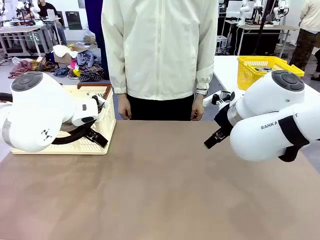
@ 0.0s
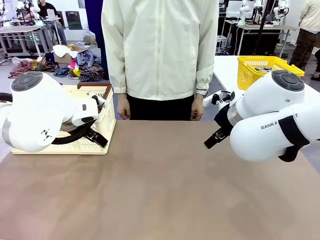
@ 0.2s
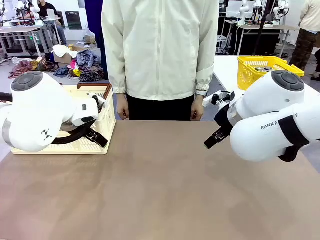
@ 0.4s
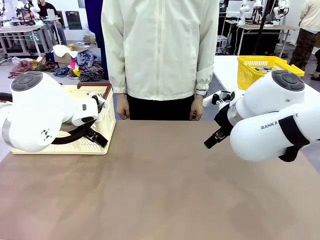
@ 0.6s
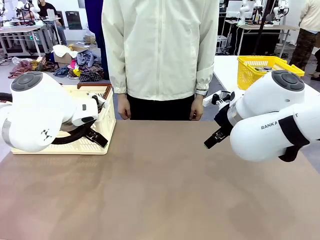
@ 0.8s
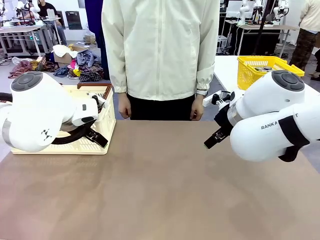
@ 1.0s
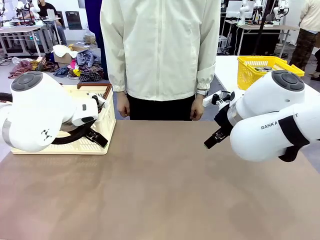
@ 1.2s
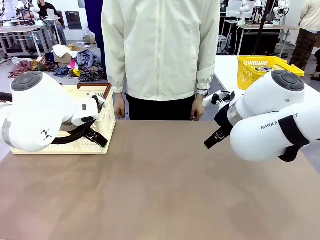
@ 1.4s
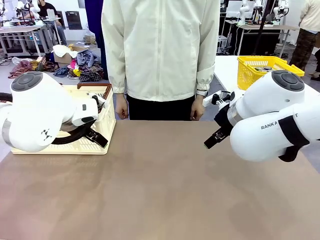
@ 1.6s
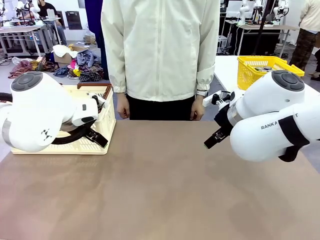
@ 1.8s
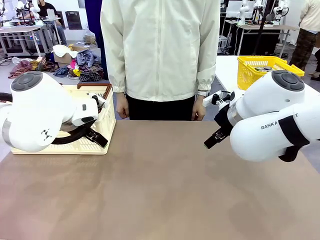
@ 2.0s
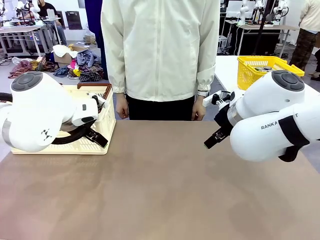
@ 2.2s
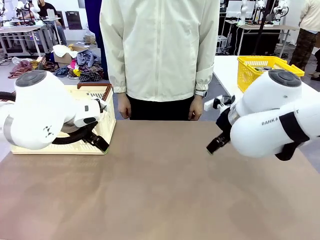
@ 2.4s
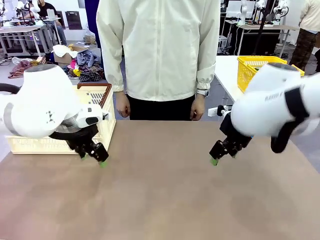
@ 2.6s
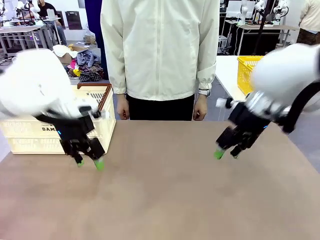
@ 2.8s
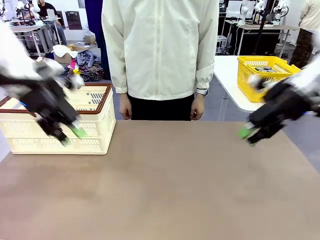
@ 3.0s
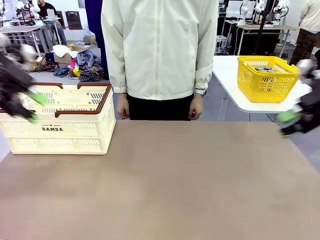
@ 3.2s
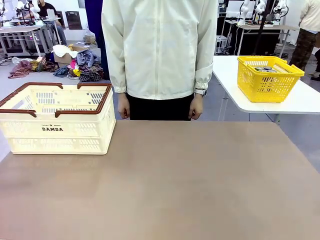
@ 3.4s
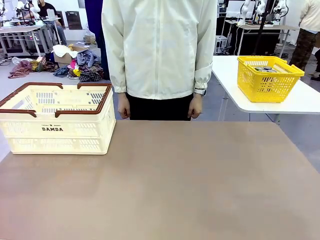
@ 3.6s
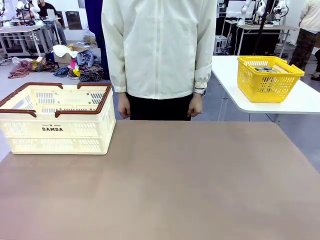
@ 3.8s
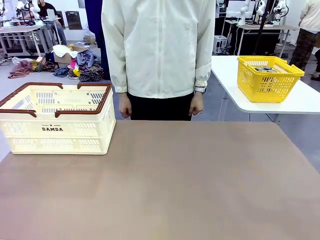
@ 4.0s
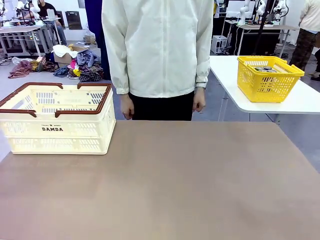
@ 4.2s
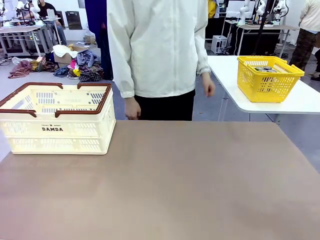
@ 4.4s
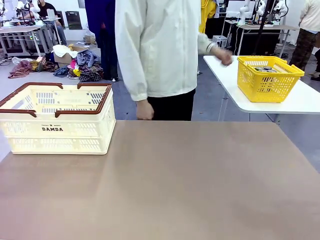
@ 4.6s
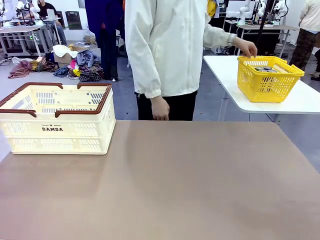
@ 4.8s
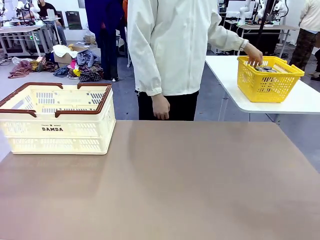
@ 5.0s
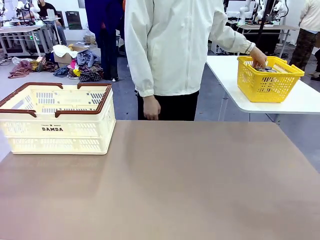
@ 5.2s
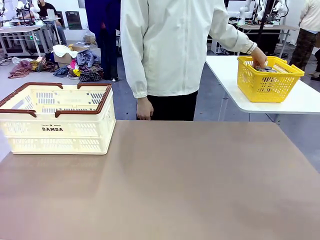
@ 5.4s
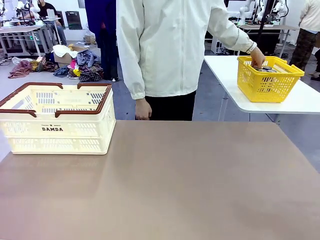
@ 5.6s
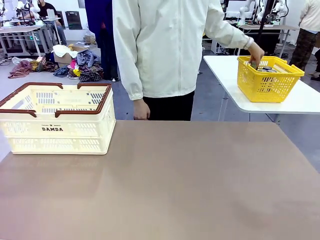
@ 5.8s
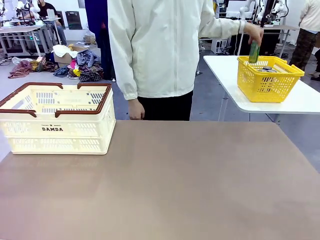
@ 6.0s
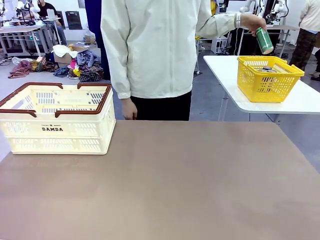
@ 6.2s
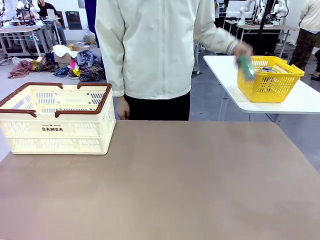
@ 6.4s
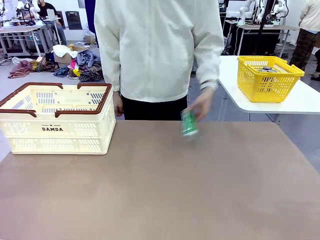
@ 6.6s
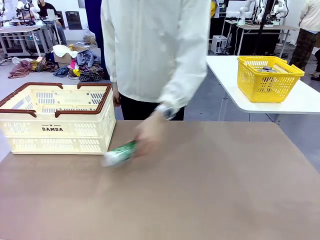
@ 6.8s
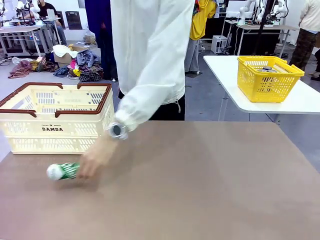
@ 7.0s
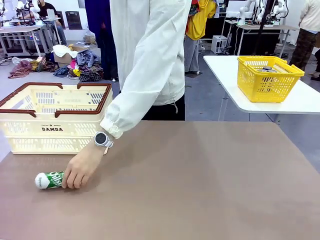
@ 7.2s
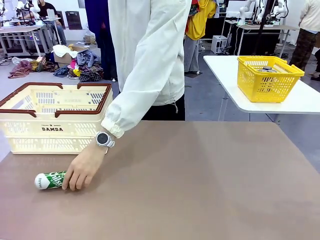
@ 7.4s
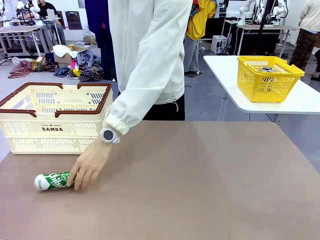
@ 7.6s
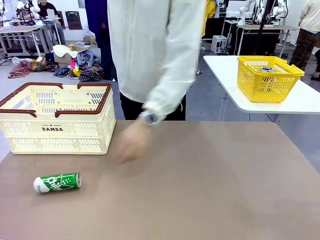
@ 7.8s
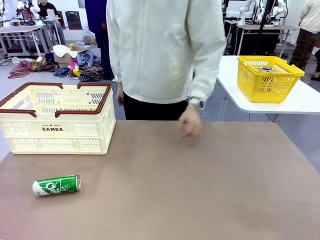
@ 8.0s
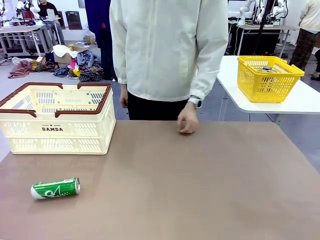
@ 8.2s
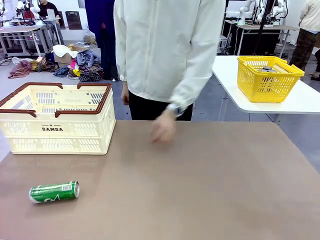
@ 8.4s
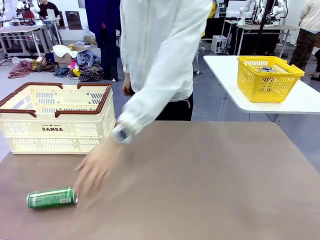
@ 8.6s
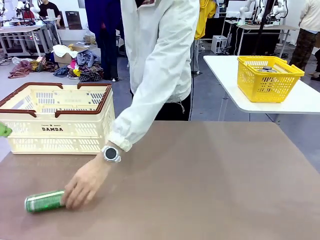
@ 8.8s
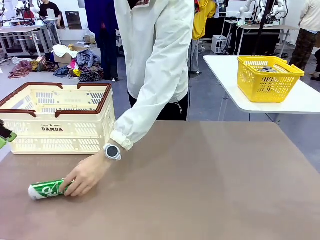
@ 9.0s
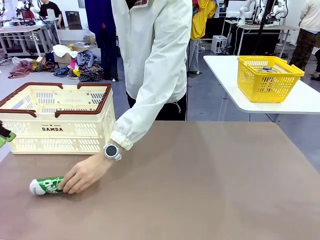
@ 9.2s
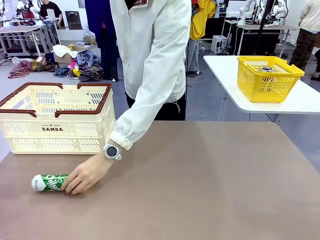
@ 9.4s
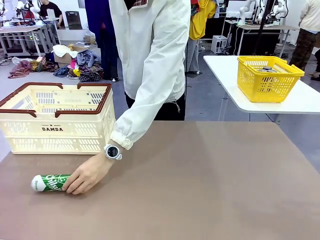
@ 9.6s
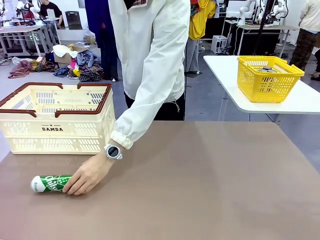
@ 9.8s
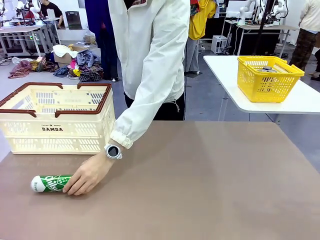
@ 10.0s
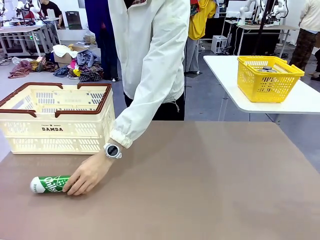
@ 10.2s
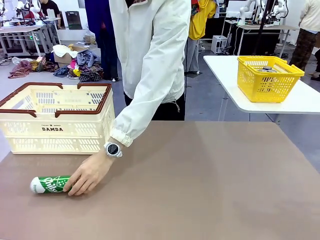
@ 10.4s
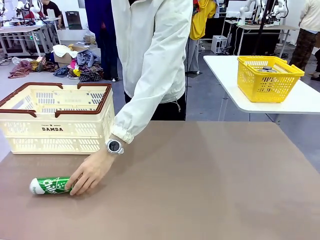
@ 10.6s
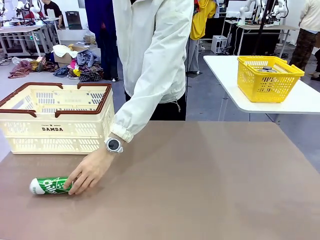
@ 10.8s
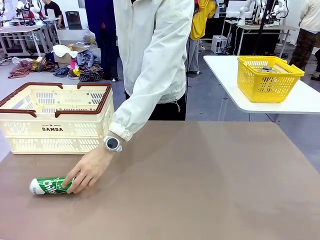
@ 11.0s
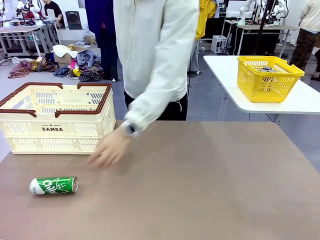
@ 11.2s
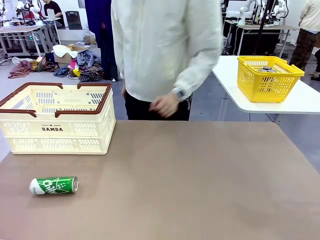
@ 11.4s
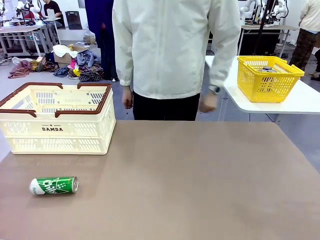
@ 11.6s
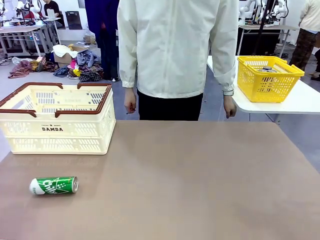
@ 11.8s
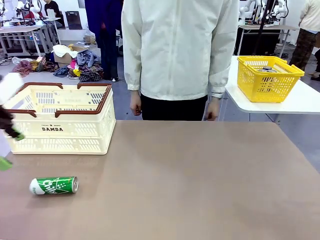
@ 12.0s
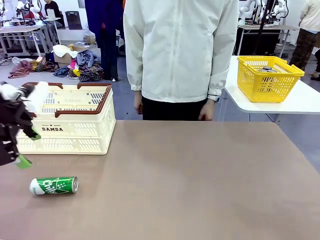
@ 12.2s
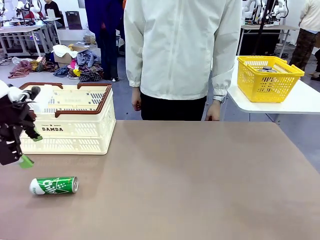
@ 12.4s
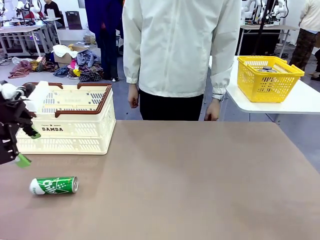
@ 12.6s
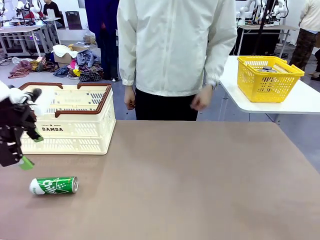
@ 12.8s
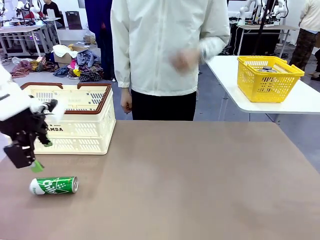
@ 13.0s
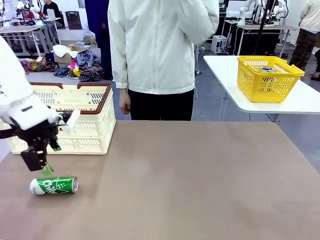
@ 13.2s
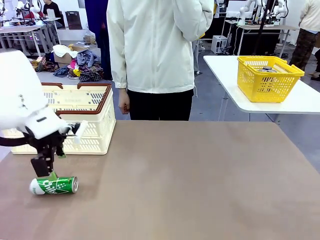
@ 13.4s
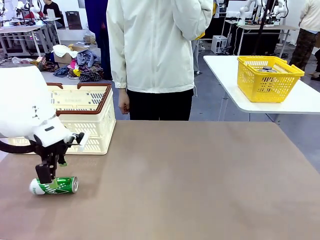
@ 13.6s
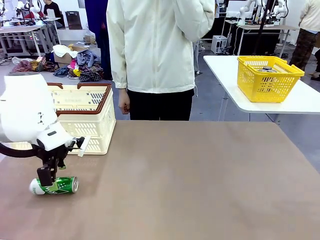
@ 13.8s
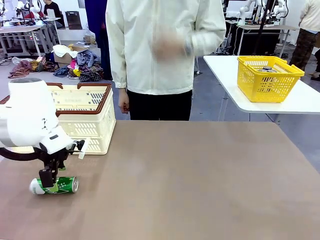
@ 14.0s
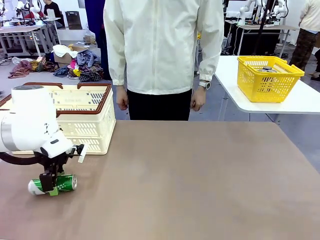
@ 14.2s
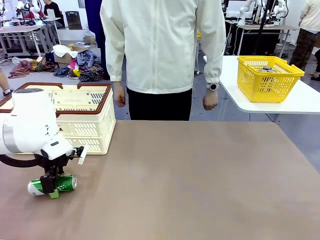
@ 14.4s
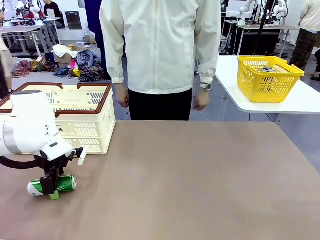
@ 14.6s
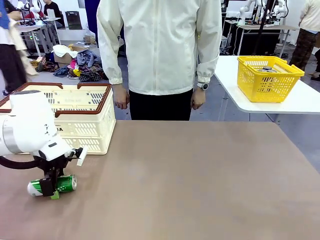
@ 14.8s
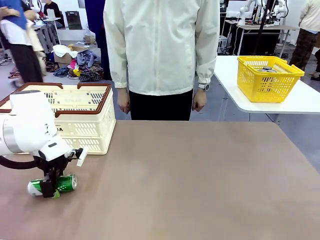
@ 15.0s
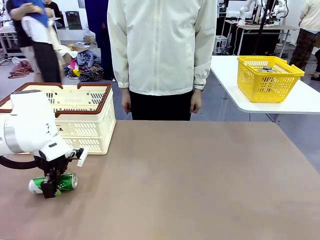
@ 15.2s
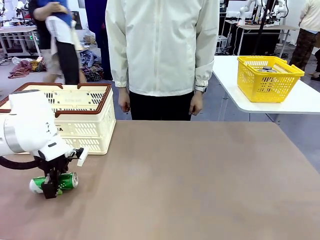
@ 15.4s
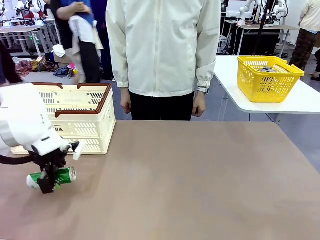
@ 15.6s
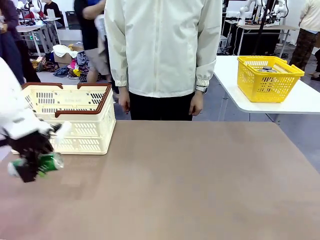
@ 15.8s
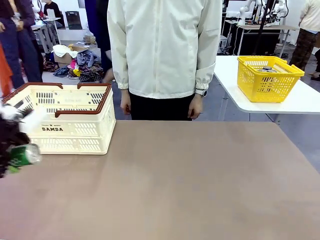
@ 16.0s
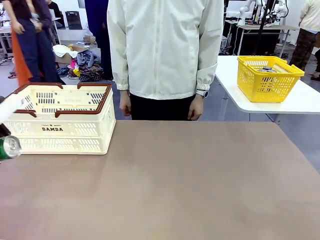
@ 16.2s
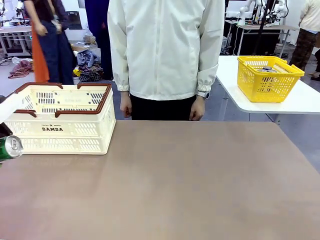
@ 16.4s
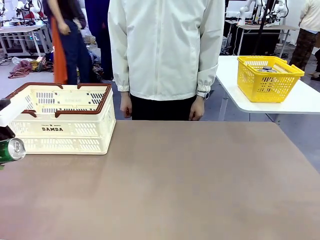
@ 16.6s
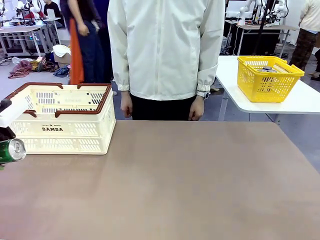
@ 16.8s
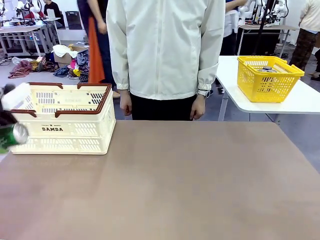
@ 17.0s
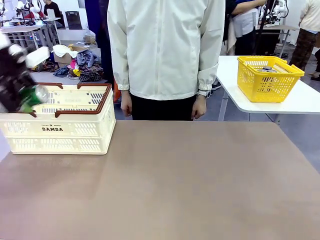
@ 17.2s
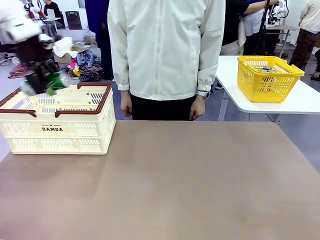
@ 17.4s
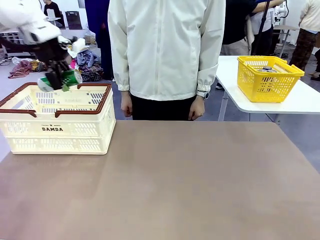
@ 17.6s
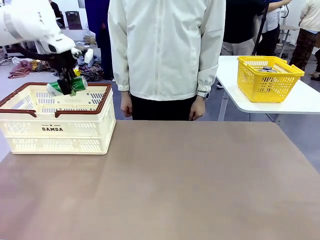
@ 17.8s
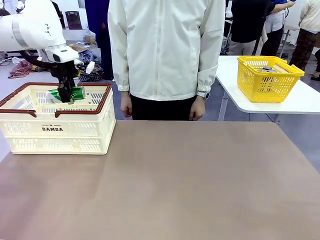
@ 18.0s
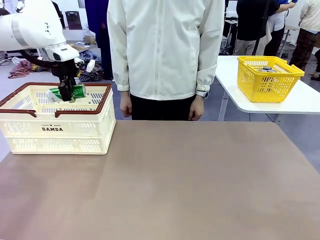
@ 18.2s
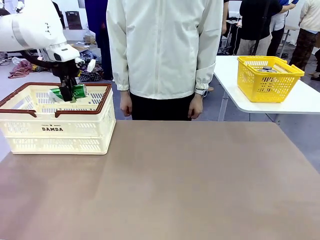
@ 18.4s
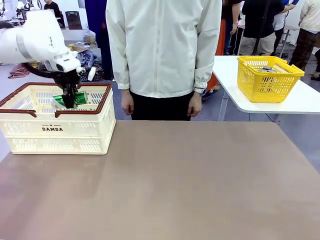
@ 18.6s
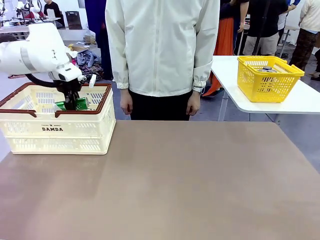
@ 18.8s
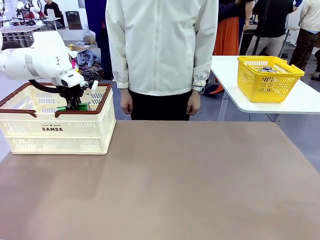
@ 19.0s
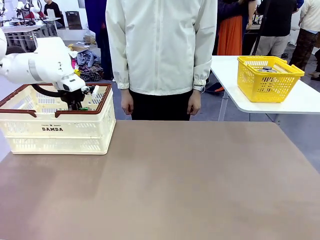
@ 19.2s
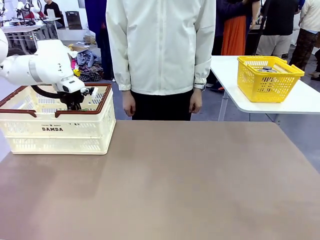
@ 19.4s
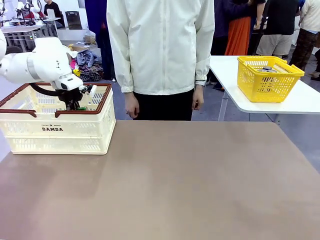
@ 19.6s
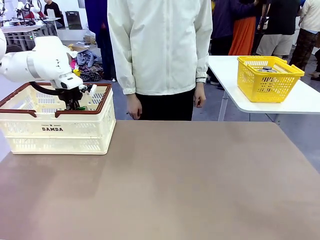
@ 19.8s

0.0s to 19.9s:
Task: Place the drinks into the Shopping basket.
Robot: Pick up one drink and place it into the Shopping basket.
